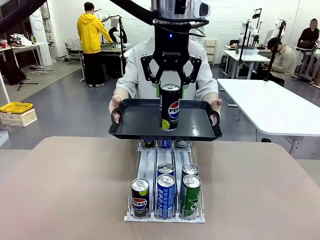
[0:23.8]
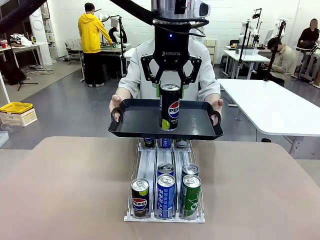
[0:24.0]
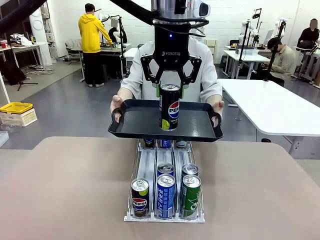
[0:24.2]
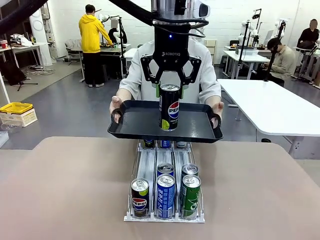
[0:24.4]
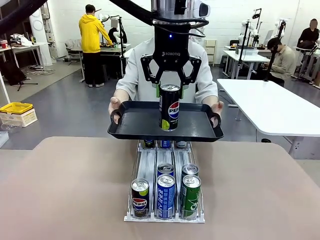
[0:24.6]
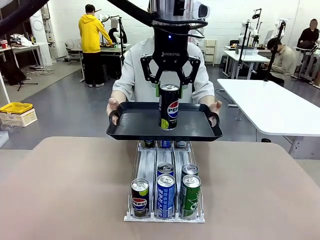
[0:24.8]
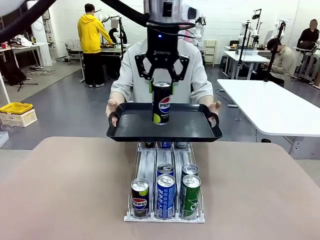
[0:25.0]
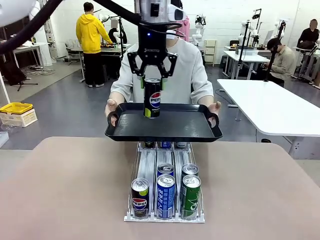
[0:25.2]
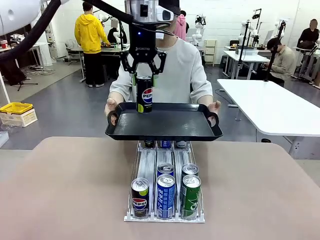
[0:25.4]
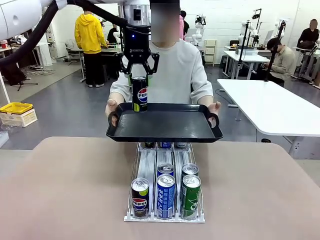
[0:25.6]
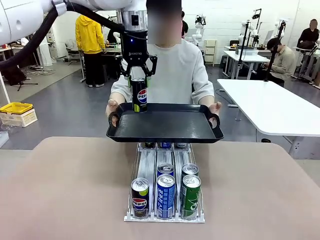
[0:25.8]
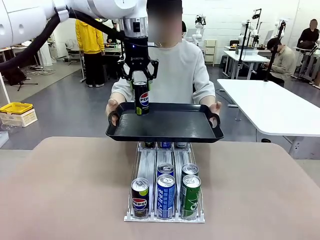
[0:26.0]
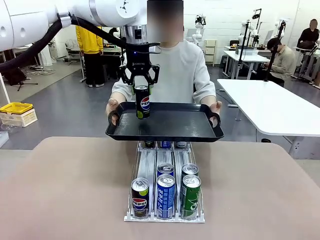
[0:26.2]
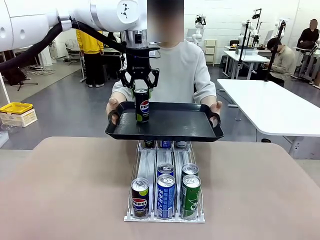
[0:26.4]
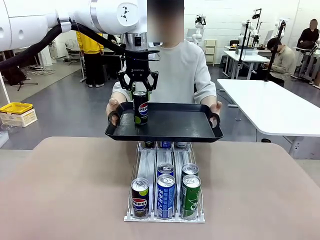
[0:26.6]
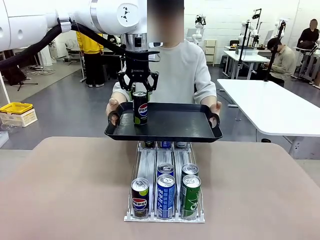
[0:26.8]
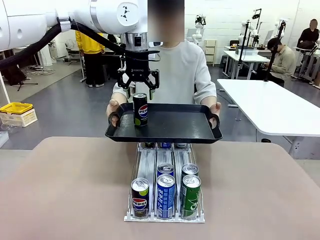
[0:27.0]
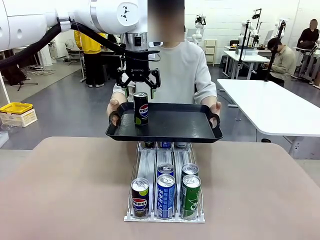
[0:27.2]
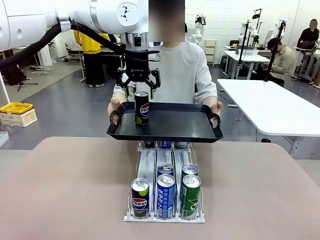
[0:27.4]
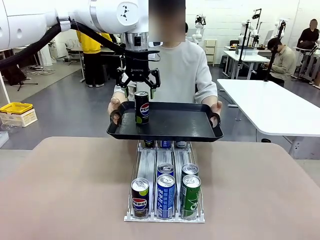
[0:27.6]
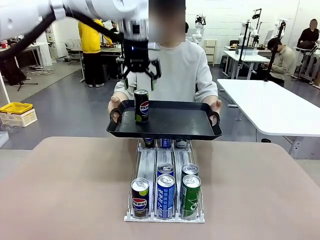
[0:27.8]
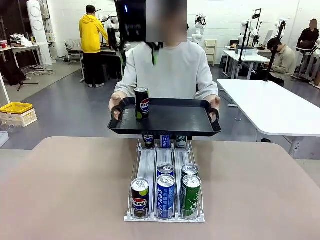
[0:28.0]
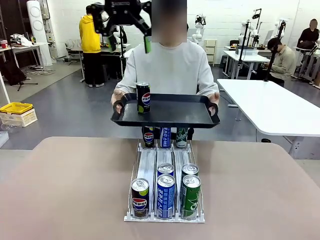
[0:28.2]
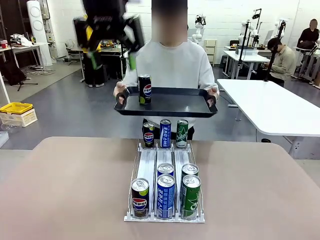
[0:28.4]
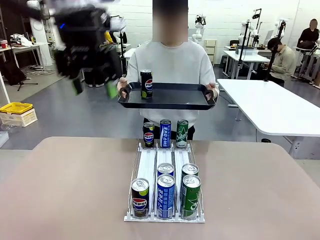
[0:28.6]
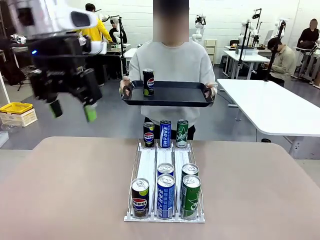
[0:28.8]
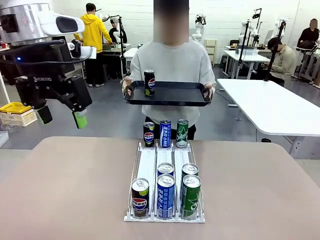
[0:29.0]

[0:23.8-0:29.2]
Task: Retrieve and hand over the desired beverage to the person.
Robot: Place the picked can on the Handle tray extended by the person.

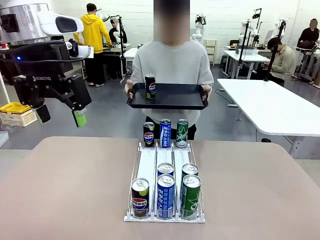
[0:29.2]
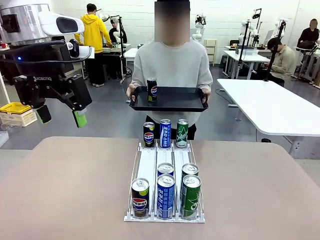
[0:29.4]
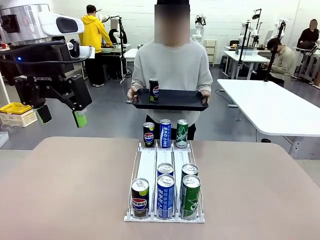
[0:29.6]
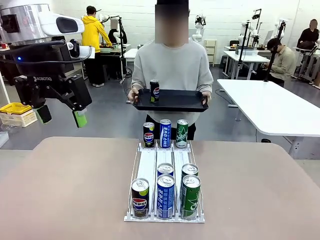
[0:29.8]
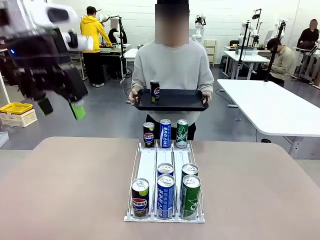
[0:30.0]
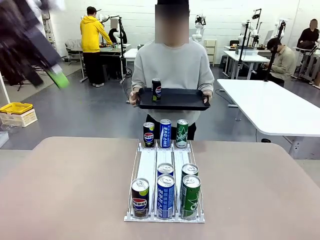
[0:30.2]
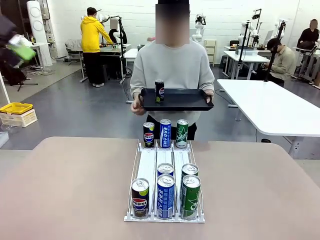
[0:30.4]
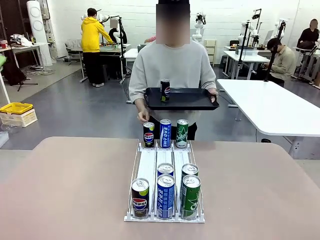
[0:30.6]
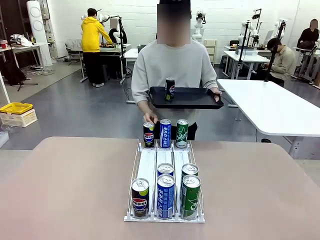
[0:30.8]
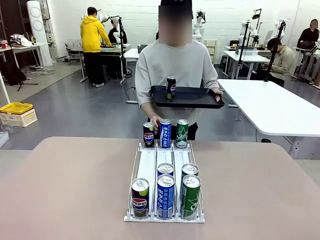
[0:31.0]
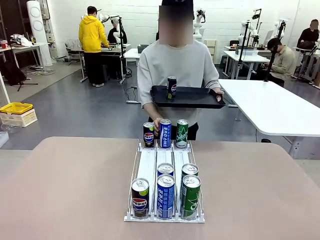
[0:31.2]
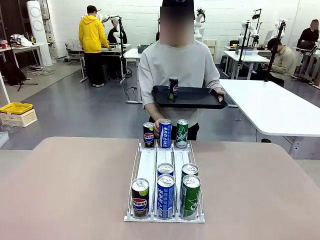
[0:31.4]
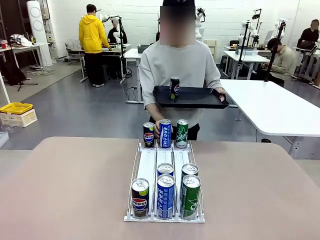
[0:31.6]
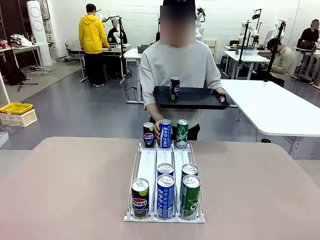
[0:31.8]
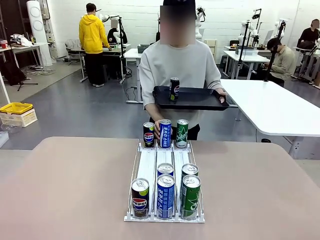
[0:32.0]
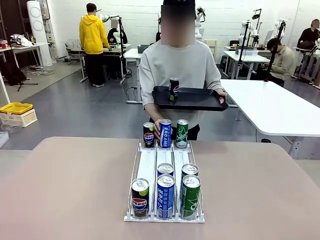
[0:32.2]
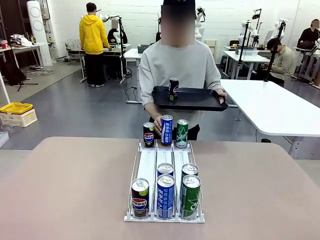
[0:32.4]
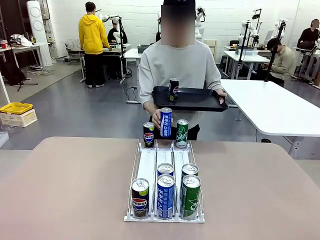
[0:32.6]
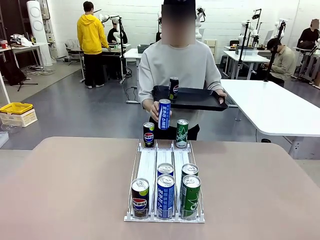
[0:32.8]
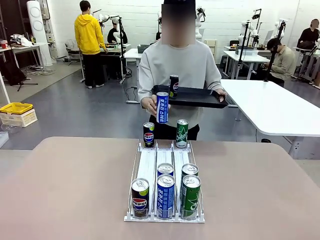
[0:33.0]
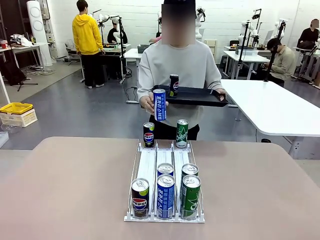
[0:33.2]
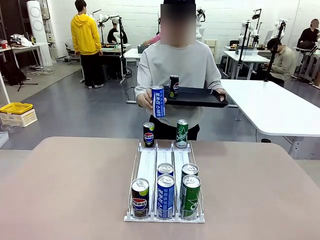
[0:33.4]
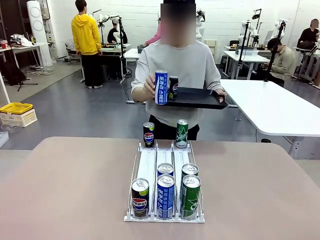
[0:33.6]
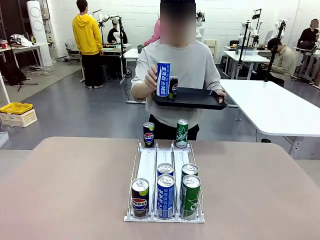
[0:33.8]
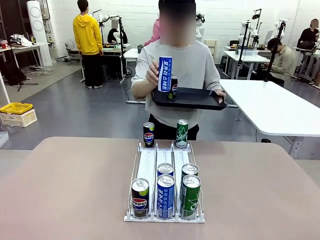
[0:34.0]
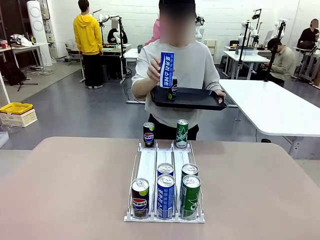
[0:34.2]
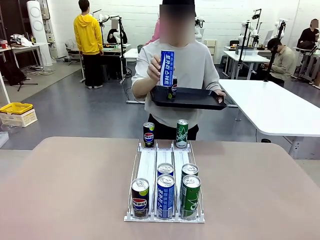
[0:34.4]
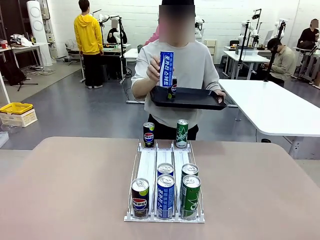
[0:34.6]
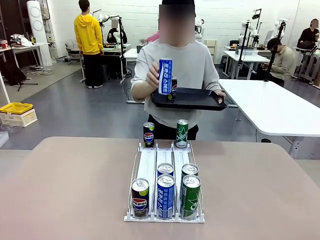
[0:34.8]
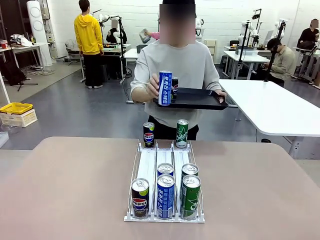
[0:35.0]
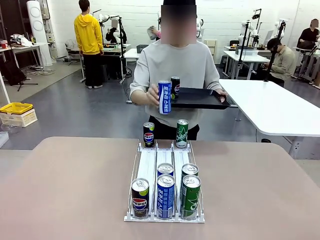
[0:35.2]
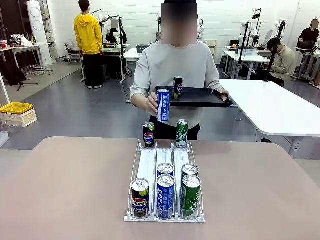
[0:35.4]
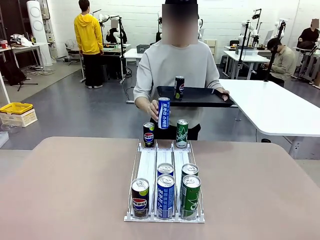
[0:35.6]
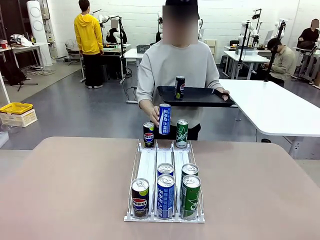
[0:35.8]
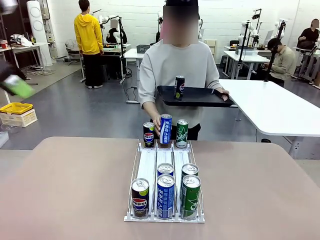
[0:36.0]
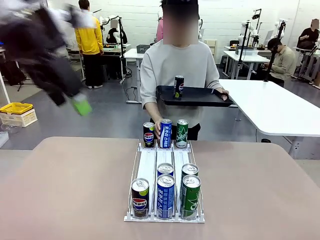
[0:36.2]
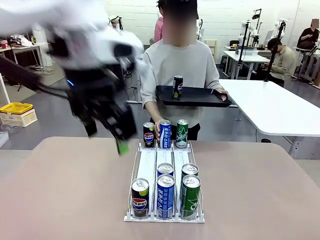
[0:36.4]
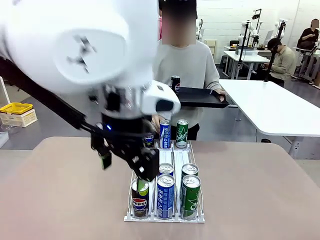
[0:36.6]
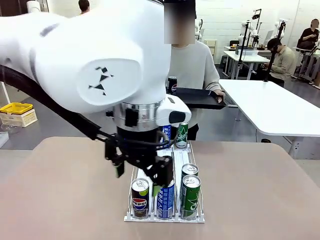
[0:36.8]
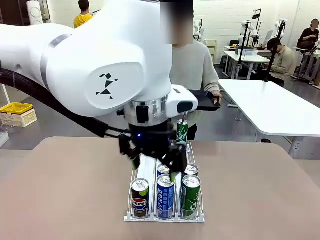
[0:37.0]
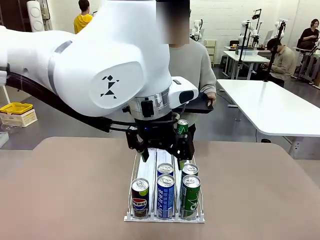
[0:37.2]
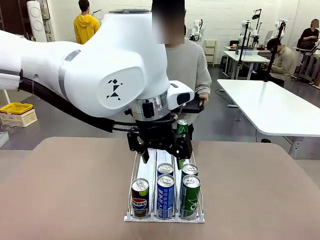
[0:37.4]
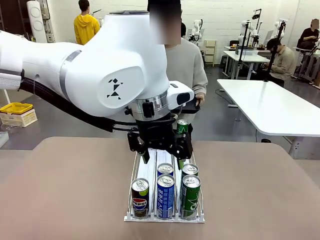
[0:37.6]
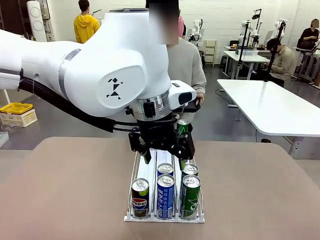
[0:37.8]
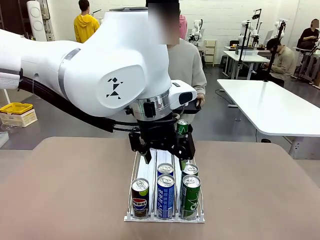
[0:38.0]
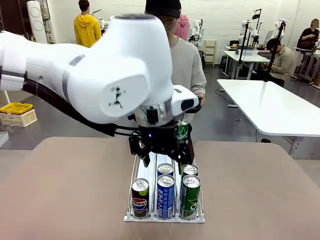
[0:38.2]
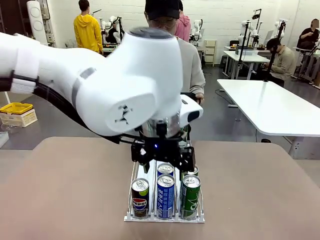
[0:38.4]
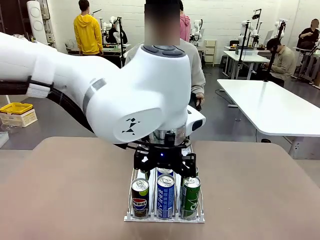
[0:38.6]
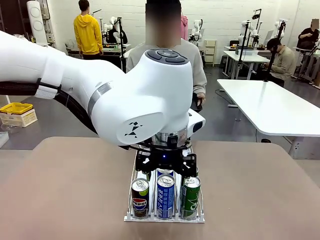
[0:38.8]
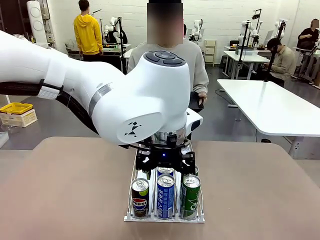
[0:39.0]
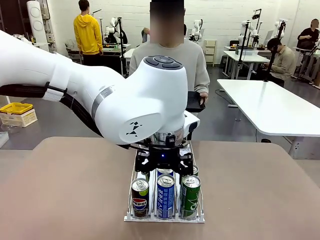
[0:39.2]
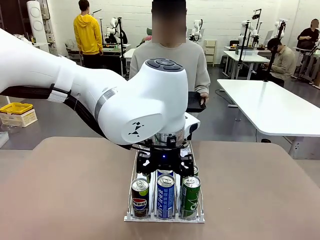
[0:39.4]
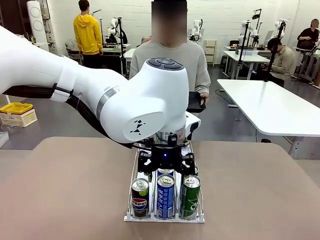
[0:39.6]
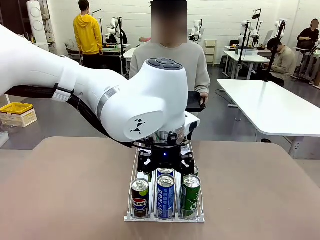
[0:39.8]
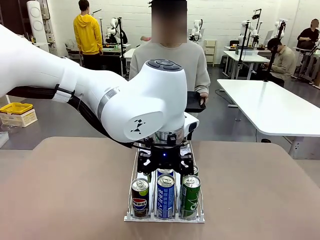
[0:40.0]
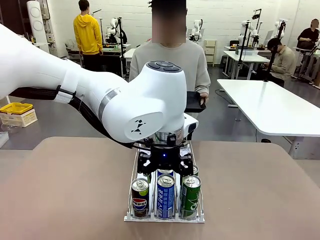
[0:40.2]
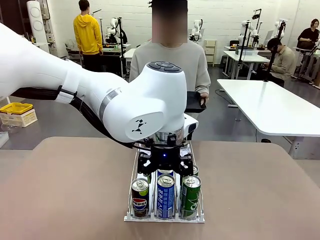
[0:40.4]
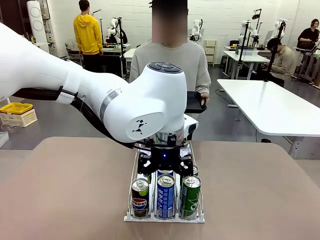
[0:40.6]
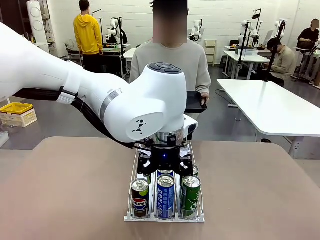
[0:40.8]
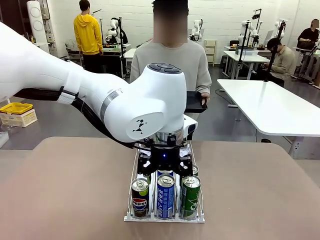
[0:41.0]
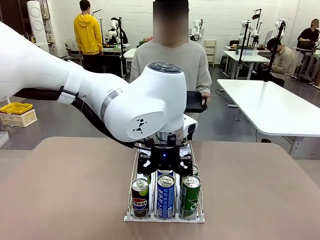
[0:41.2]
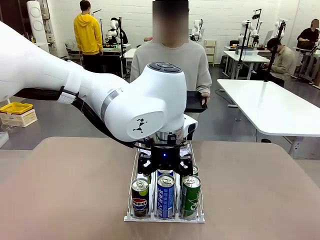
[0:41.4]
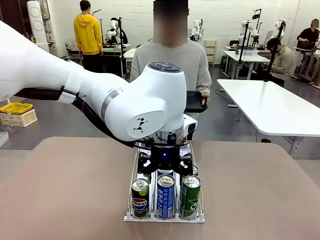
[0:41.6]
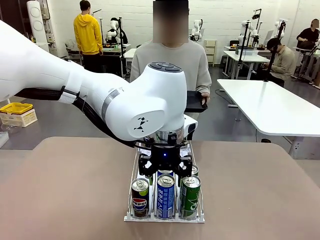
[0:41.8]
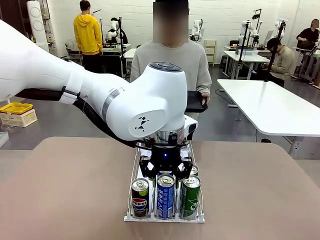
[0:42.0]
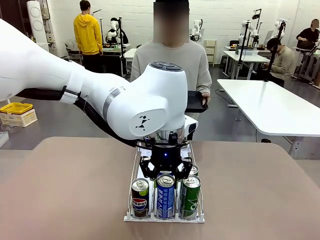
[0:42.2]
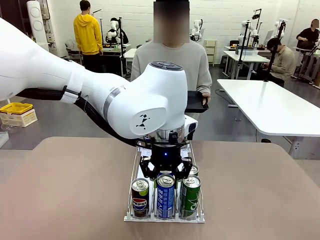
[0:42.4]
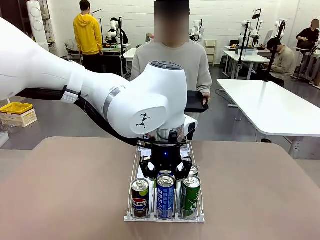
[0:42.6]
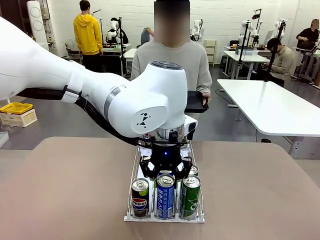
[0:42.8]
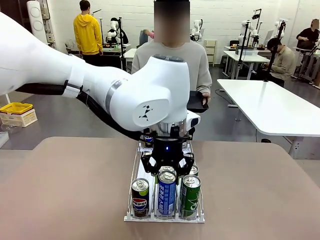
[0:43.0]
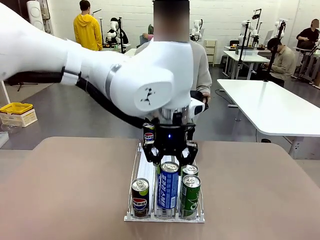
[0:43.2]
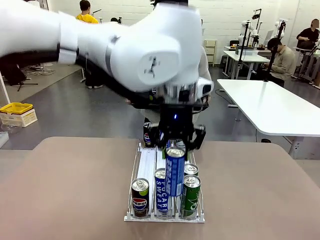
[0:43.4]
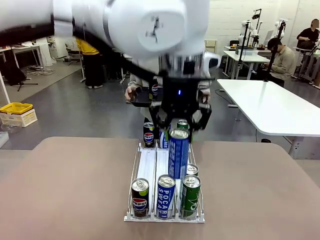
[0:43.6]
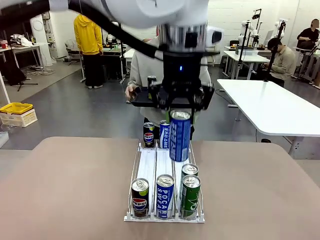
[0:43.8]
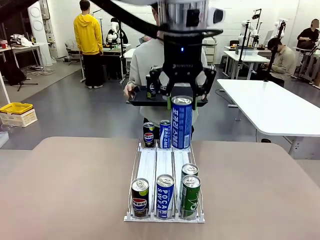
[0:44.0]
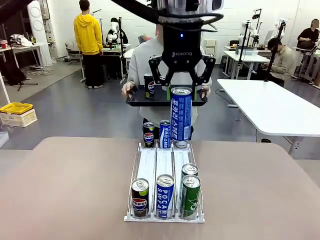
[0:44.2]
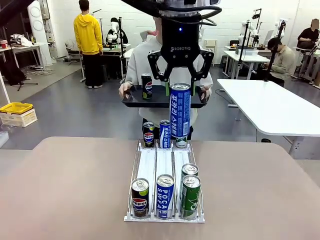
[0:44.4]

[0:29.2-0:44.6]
Robot: Pick up another can of the same type that the person held from the Automatic Can Dispenser.
Person: Pull the tray back, then pick up another can from the bottom area of the table and puts it back in its original place. Push the tray toward the robot again.
